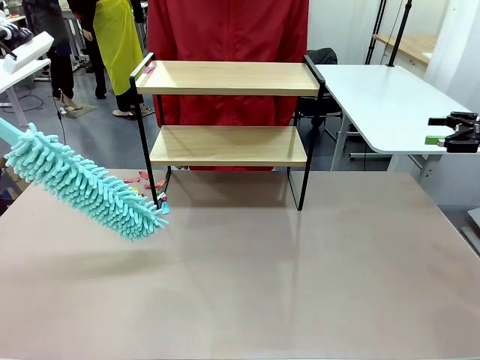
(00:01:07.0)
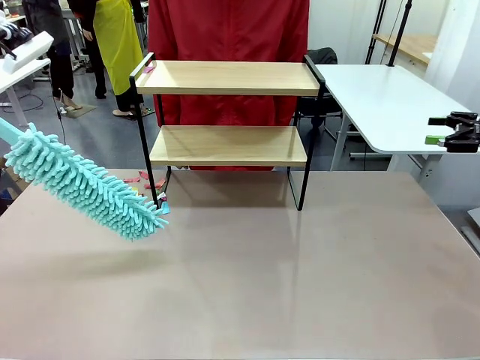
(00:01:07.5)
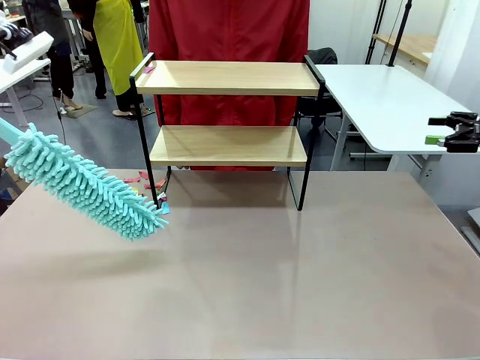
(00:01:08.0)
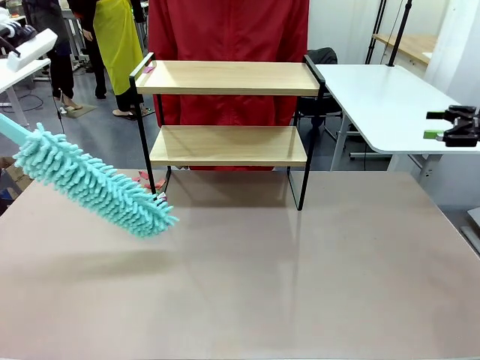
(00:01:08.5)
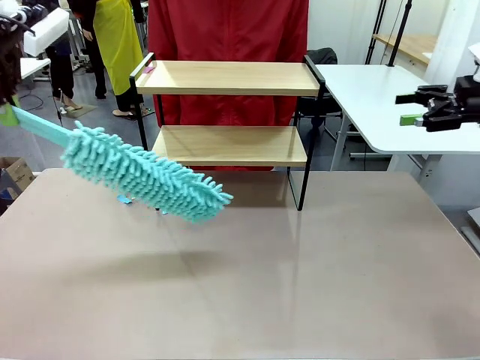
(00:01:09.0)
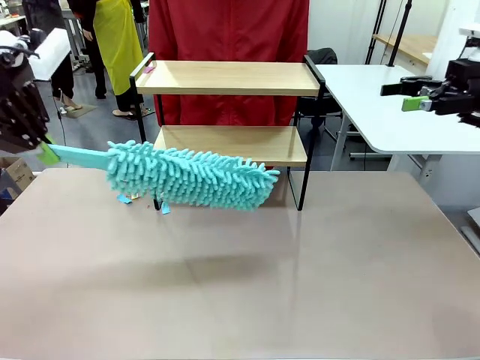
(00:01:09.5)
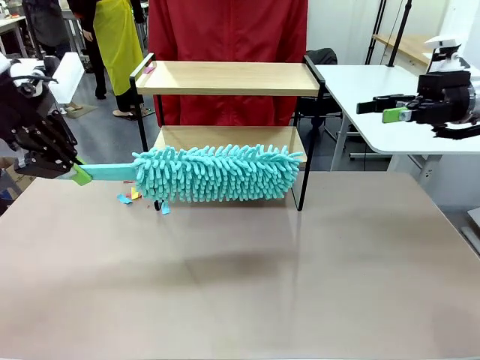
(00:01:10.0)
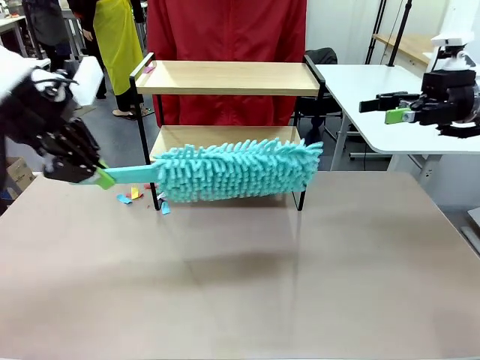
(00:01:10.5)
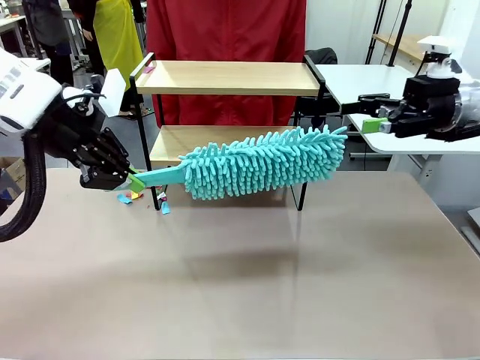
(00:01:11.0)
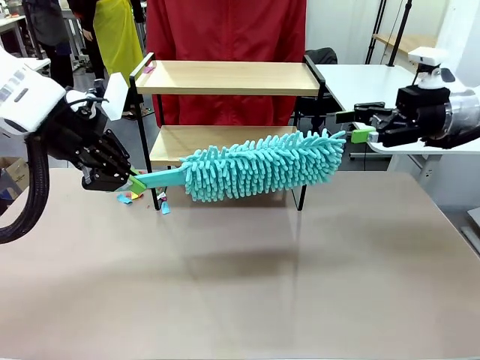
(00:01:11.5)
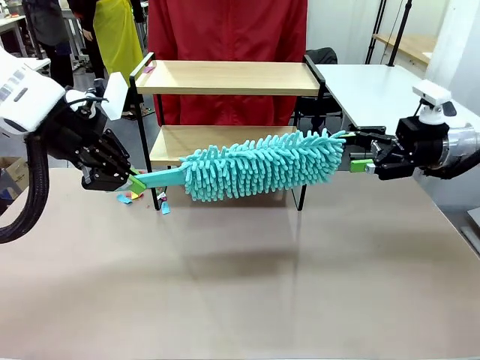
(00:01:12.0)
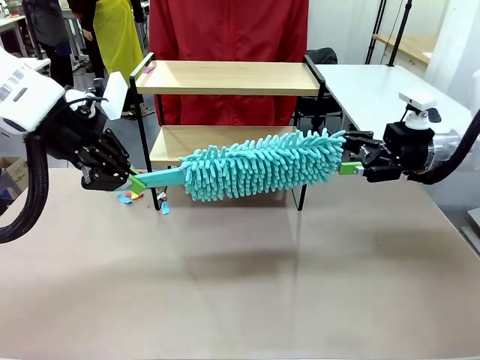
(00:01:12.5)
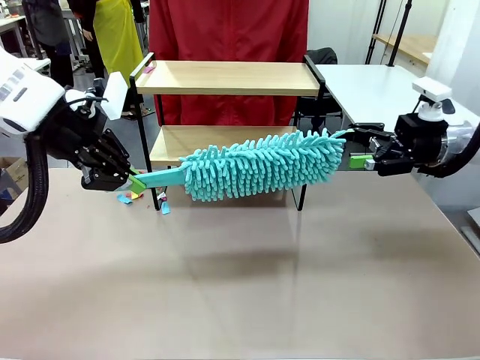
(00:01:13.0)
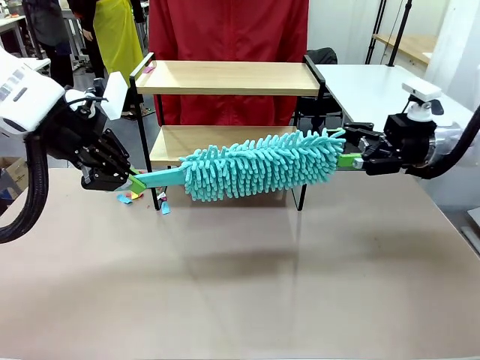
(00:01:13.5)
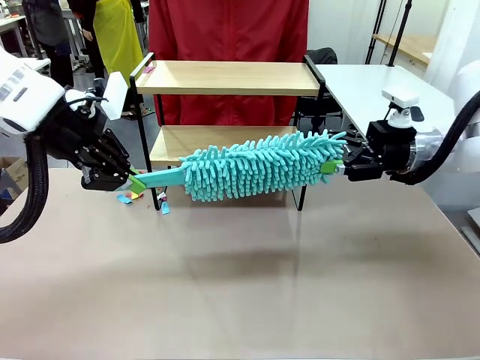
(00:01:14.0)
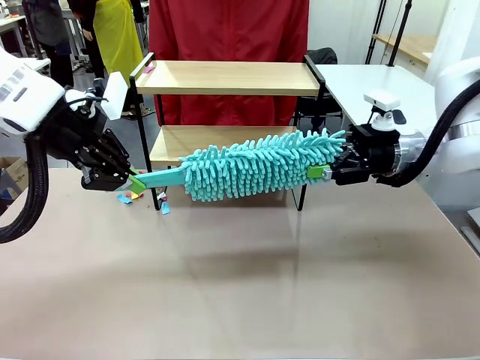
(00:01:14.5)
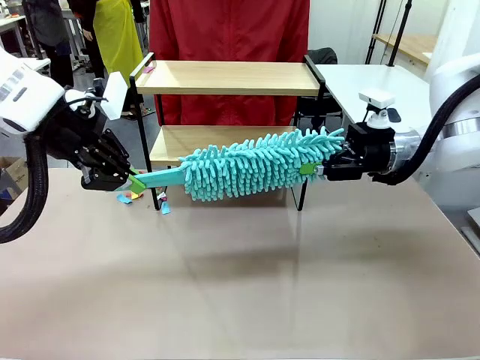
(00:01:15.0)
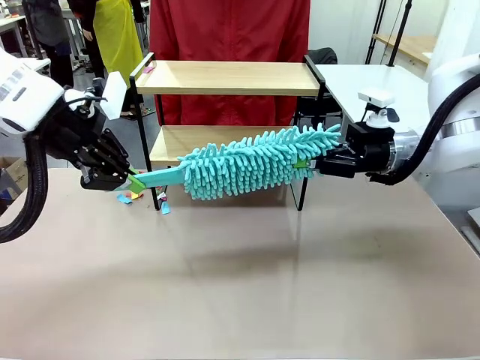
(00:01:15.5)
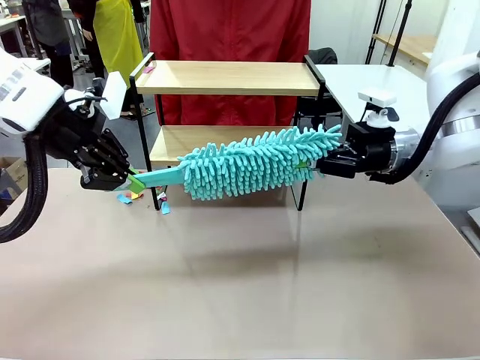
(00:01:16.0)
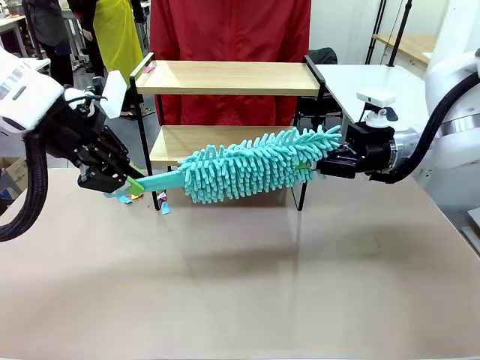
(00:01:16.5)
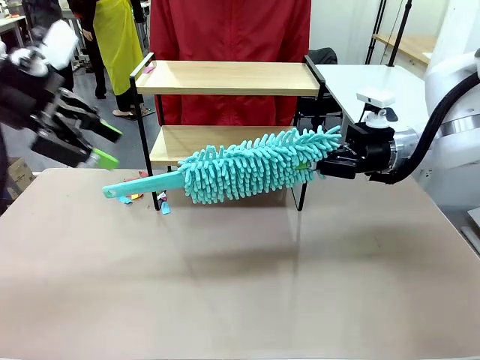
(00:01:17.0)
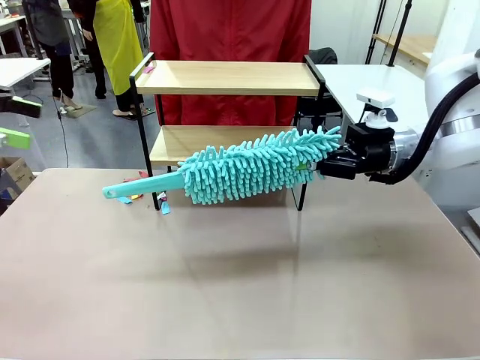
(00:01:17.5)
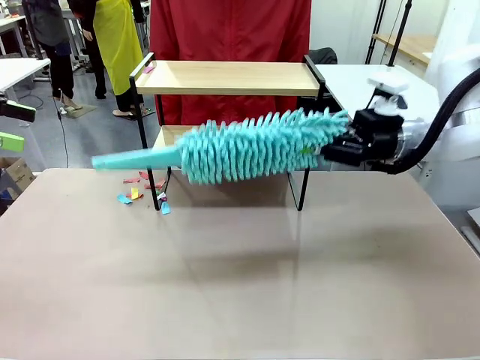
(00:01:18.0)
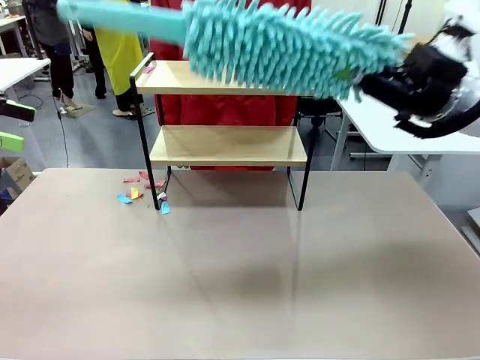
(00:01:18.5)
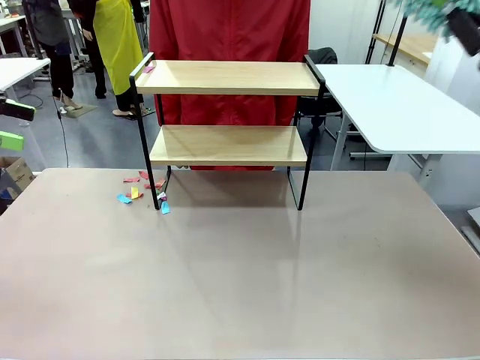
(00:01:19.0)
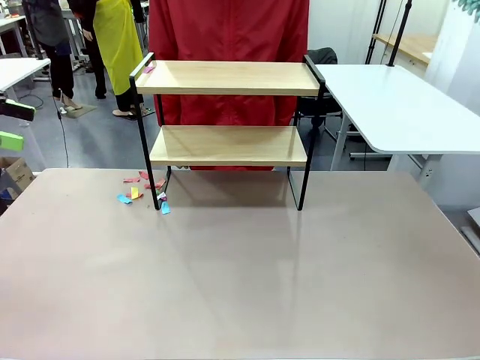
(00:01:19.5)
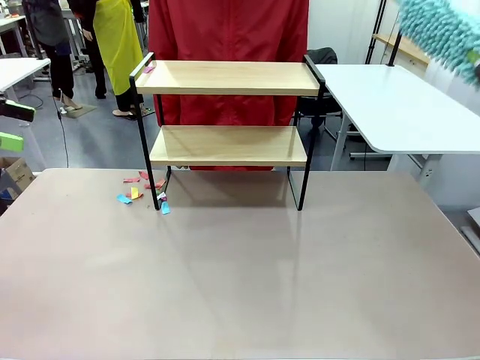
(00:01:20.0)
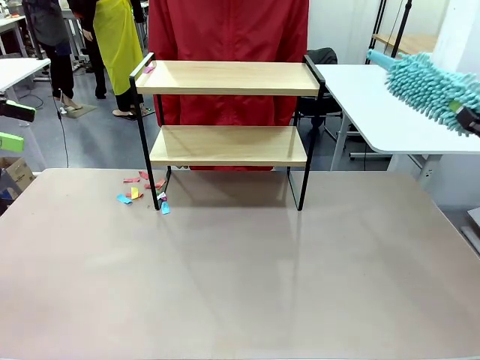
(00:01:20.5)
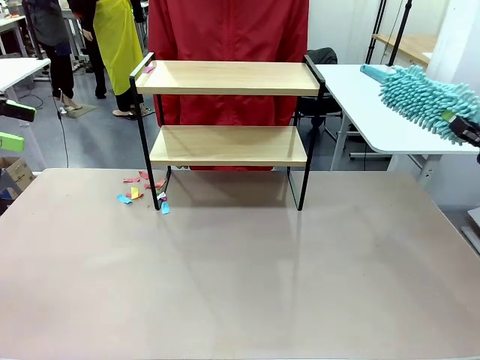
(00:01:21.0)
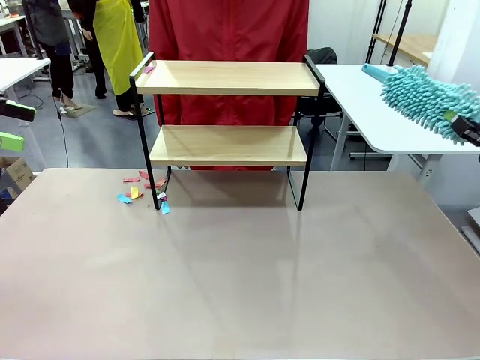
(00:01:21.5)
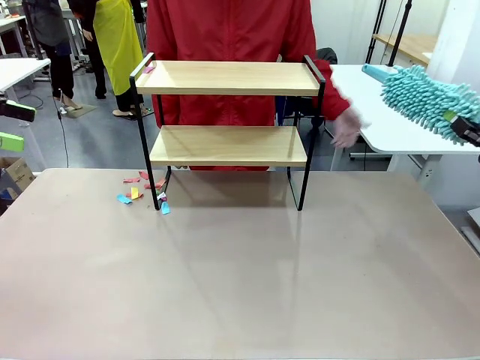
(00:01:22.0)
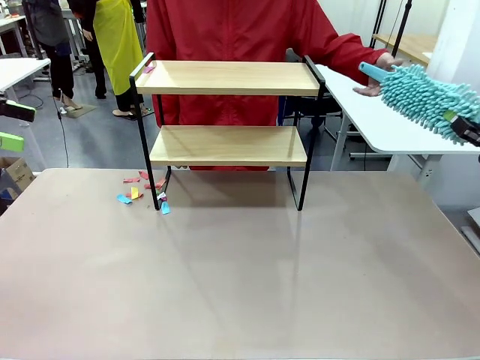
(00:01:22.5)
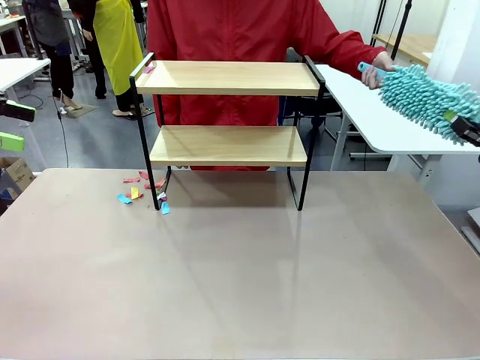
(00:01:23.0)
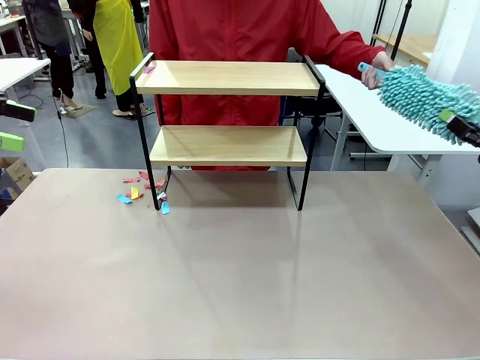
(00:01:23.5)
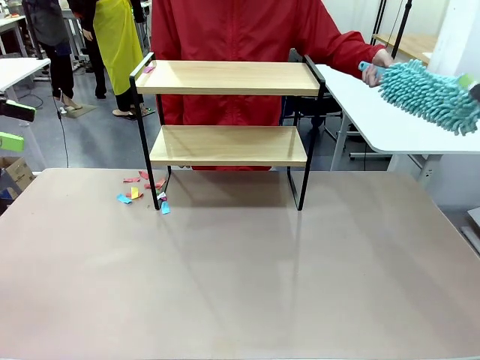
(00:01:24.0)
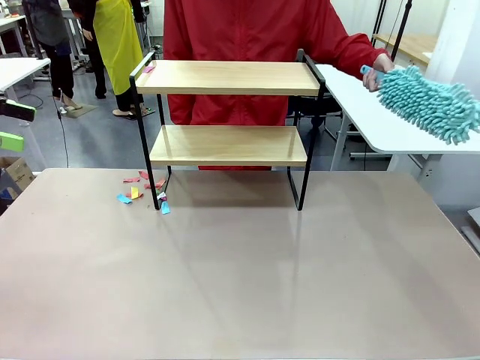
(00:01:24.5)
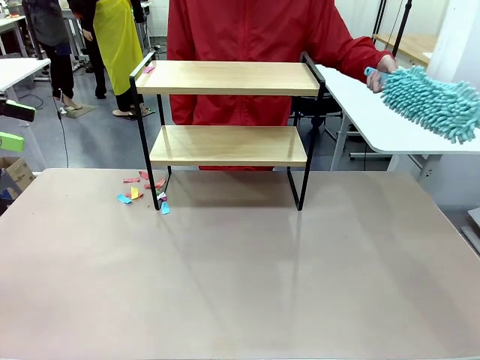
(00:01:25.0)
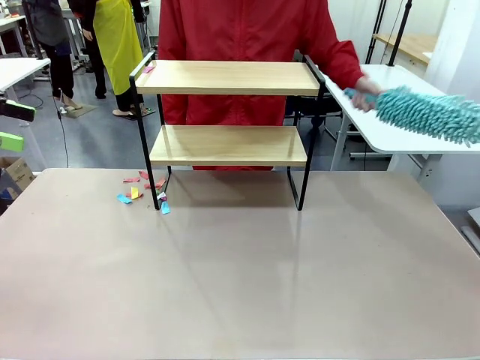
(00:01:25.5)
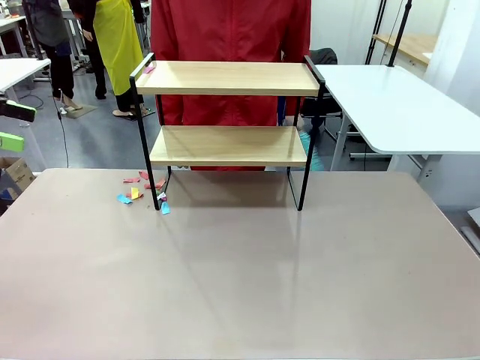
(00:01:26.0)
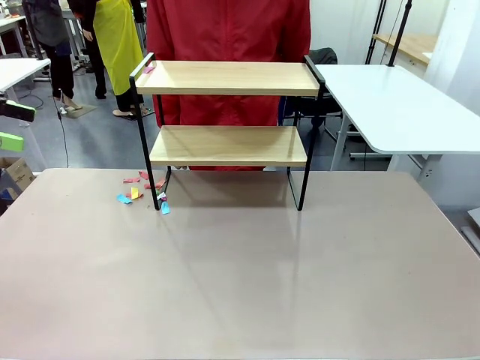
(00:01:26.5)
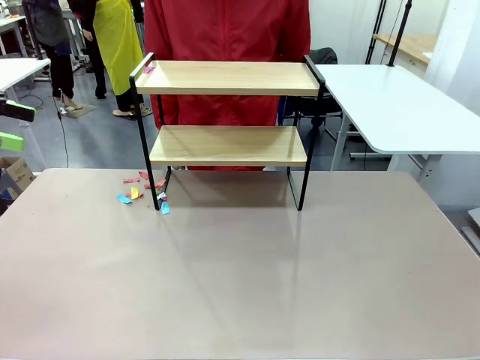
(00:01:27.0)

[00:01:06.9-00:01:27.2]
Task: Clean the shelf.
Robot: Hand the Duster back to the human.
Person: Receive the Duster from the robot.

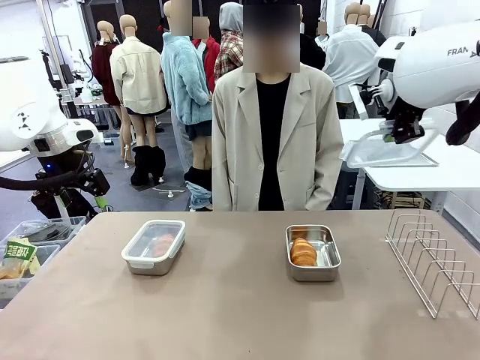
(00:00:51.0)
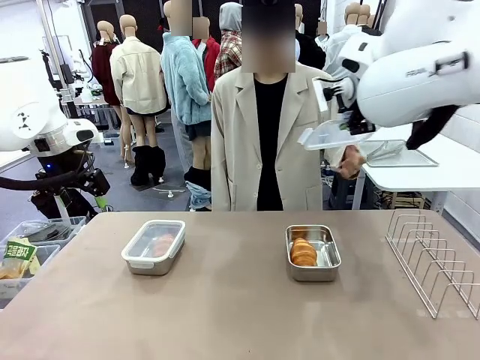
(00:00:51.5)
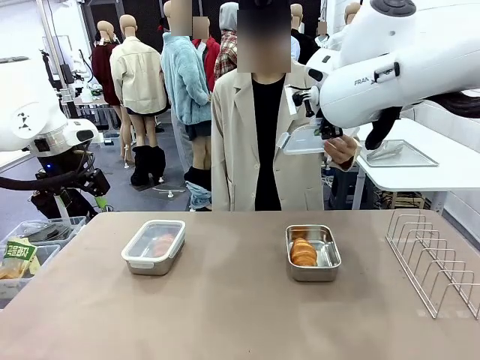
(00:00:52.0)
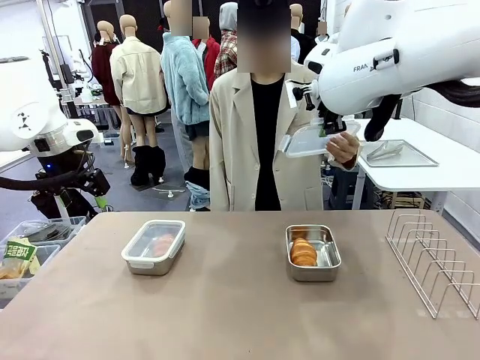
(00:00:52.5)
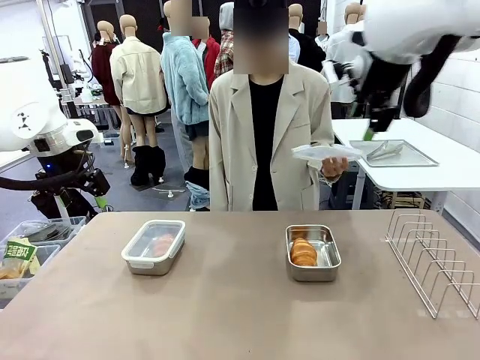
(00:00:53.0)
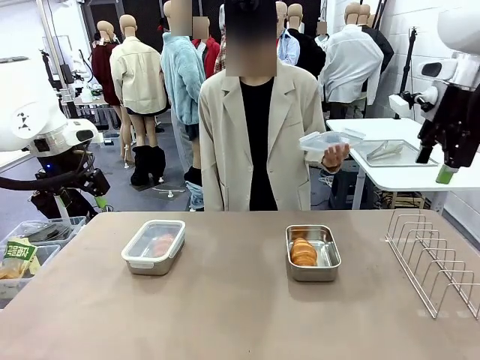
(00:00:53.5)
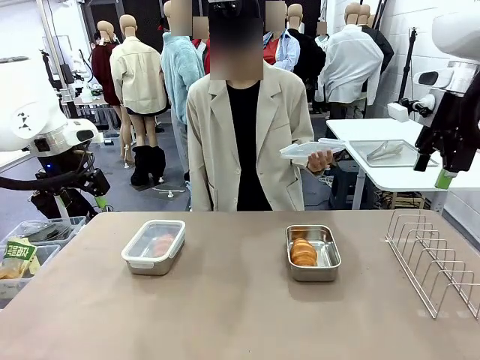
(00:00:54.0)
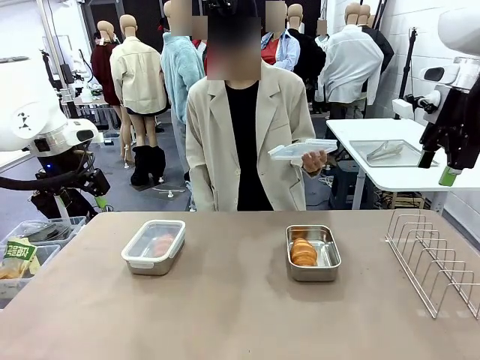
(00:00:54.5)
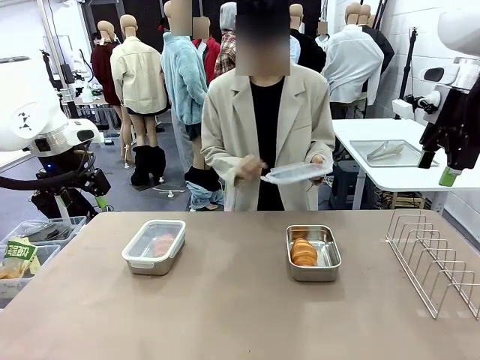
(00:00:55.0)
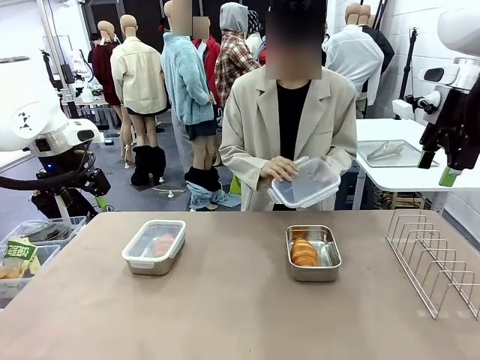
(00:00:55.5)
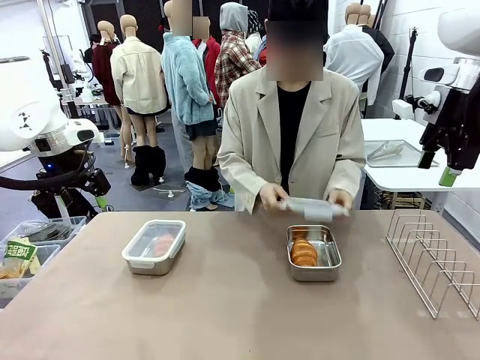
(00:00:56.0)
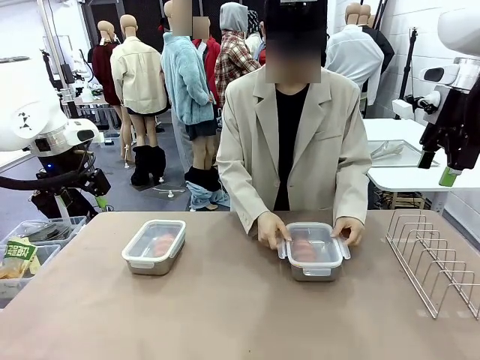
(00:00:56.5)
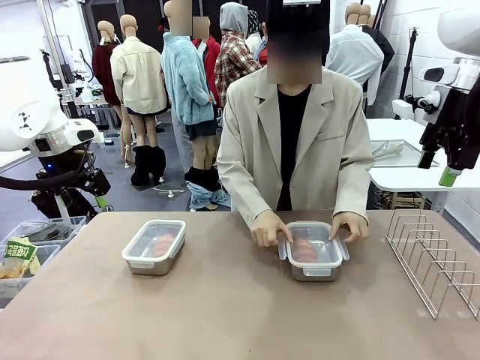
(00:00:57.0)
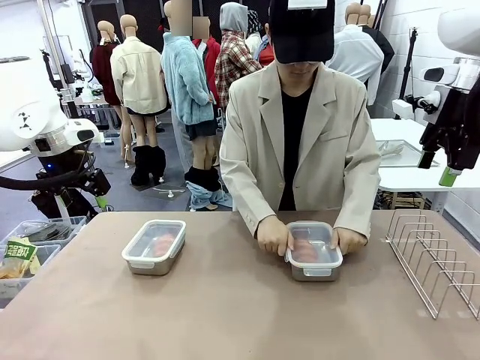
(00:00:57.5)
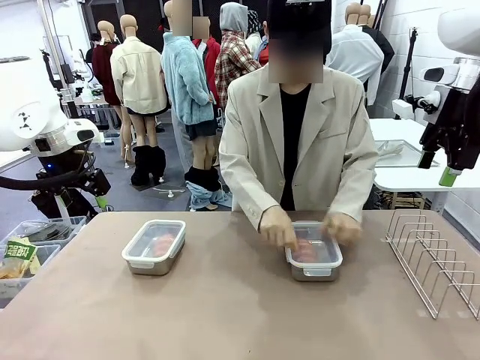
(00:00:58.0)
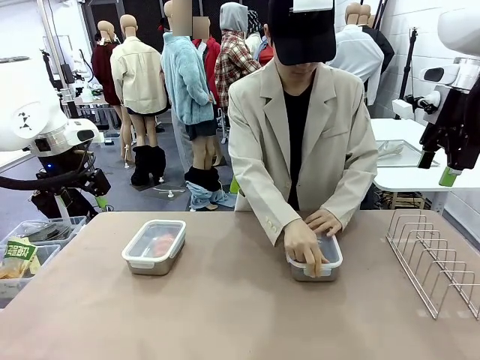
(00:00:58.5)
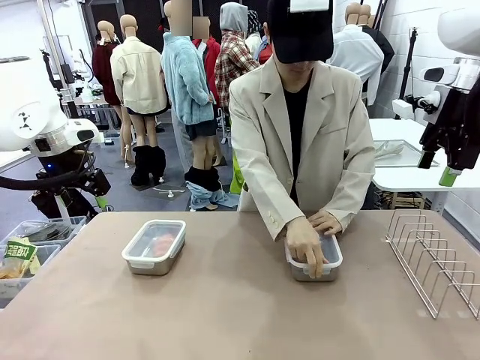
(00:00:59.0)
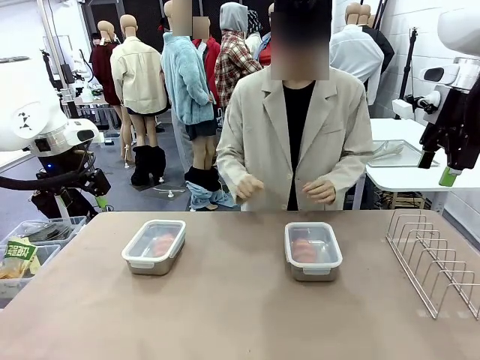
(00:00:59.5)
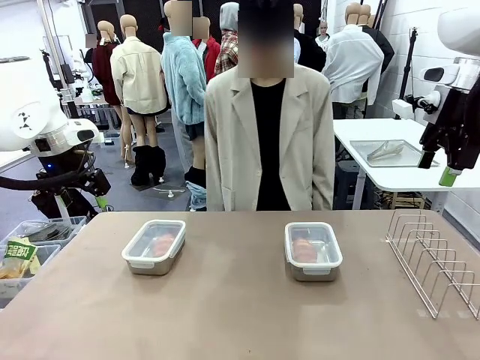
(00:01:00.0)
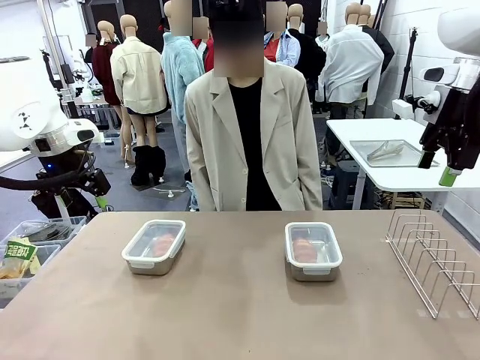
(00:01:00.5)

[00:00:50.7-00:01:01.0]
Task: Place the bread in airtight containers.
Robot: Release when the human grabs the Airtight Container lid.
Person: Grip Airtight Container lid that robot is handing. Close Airtight Container with a handed Airtight Container lid.
